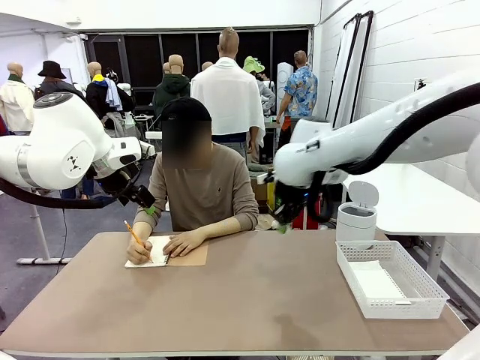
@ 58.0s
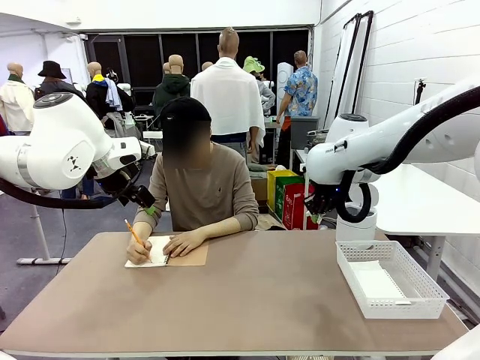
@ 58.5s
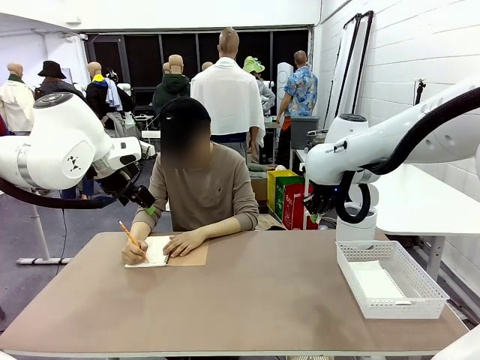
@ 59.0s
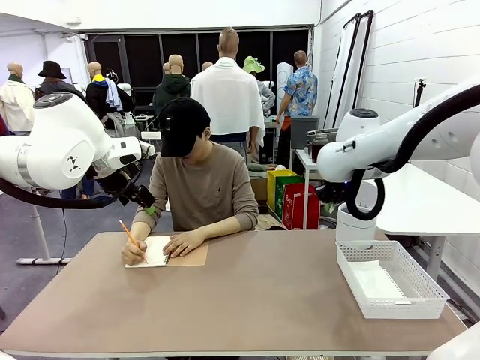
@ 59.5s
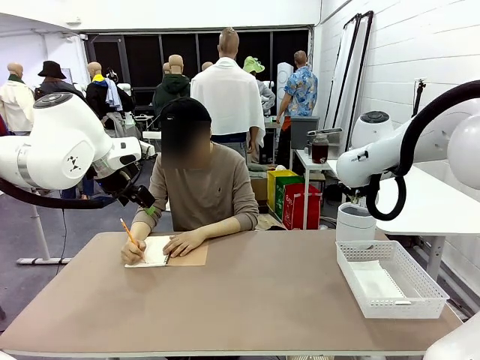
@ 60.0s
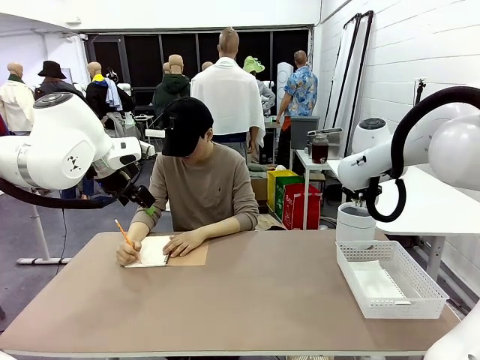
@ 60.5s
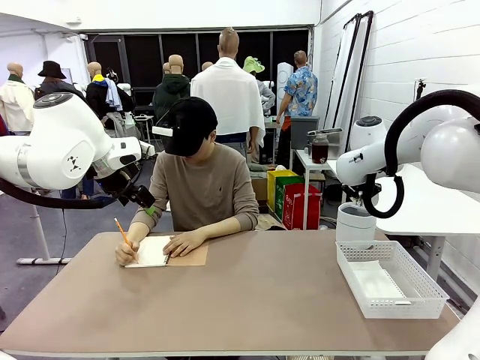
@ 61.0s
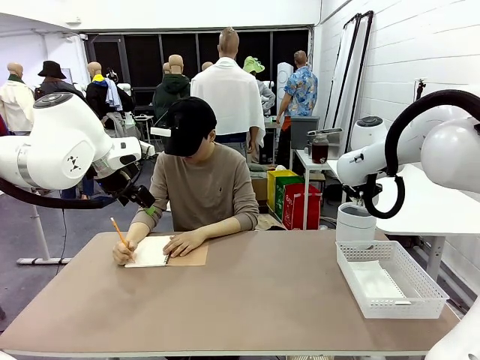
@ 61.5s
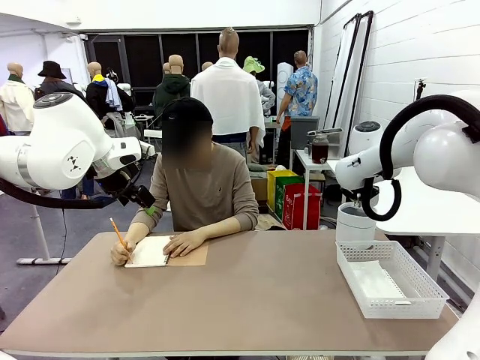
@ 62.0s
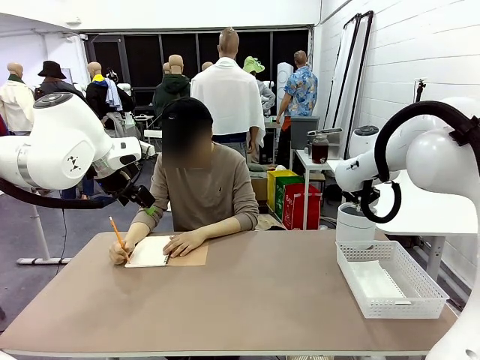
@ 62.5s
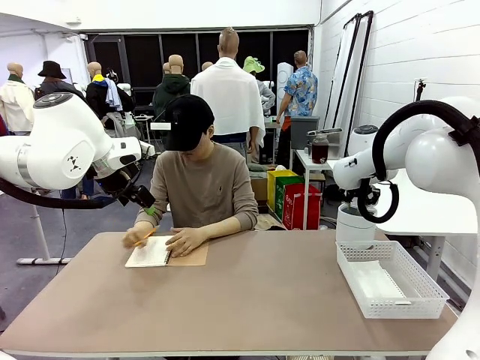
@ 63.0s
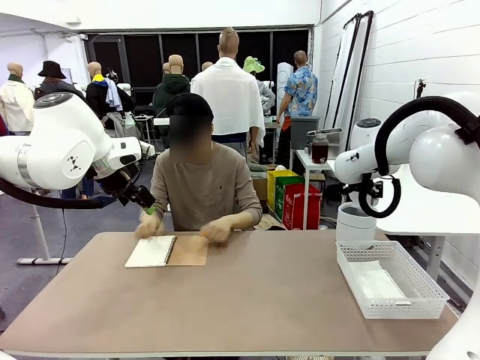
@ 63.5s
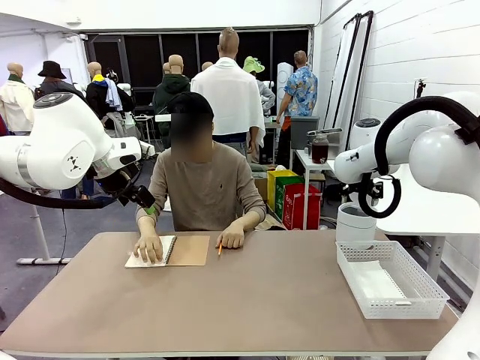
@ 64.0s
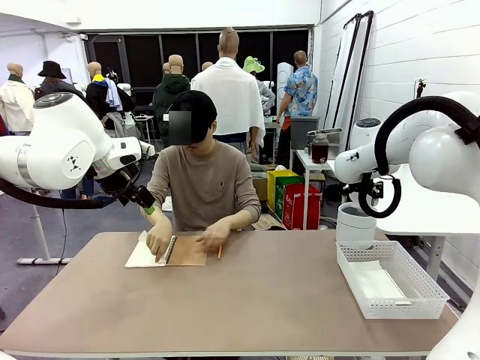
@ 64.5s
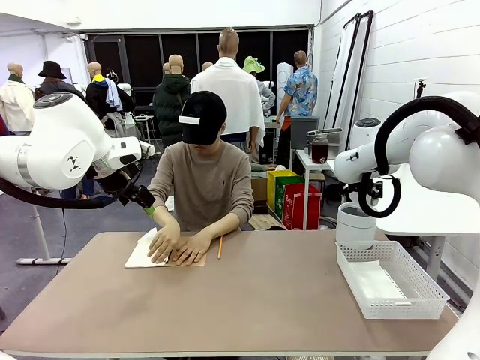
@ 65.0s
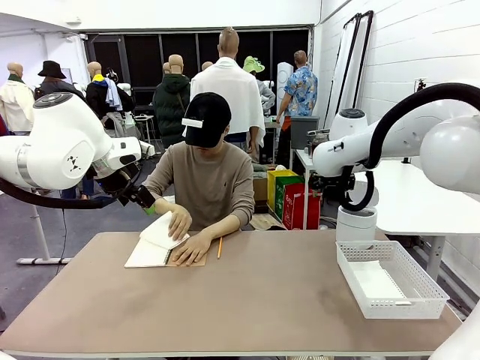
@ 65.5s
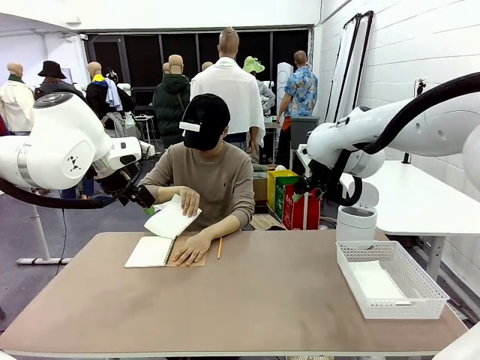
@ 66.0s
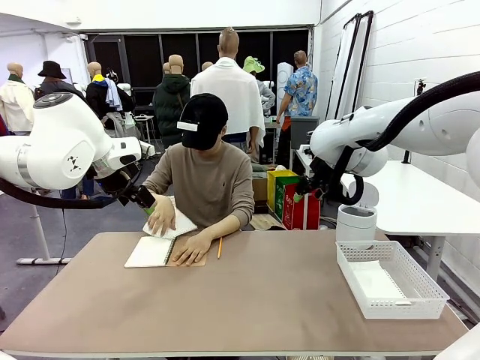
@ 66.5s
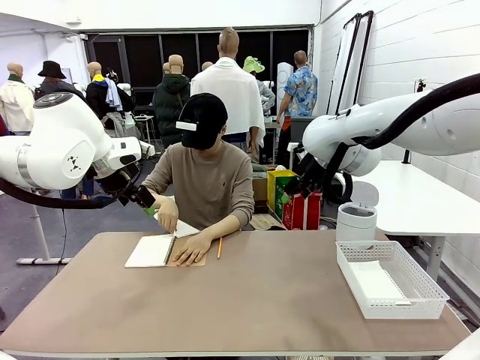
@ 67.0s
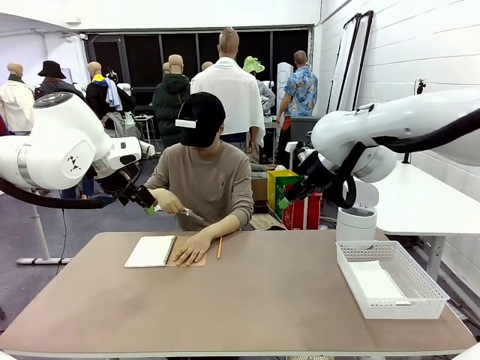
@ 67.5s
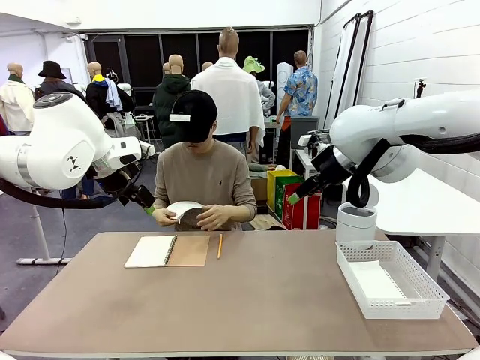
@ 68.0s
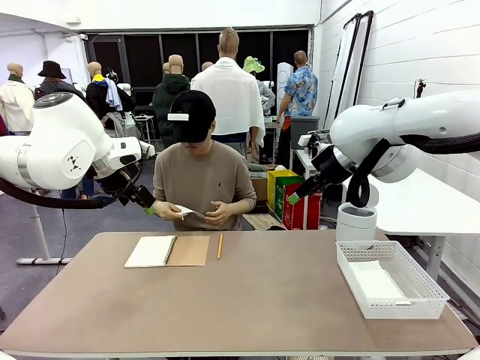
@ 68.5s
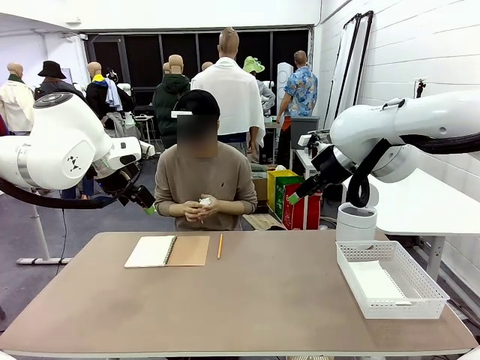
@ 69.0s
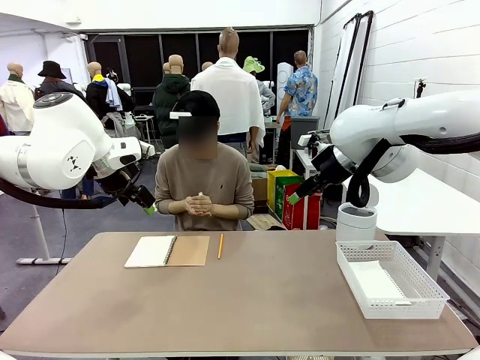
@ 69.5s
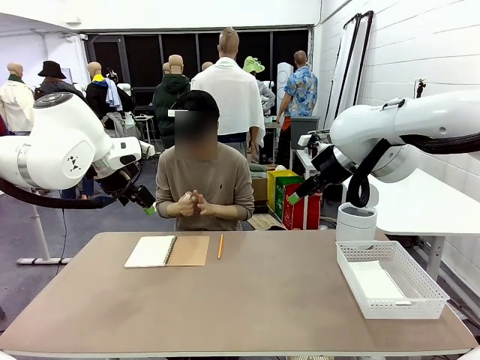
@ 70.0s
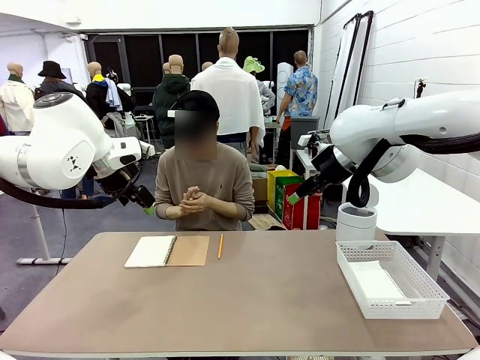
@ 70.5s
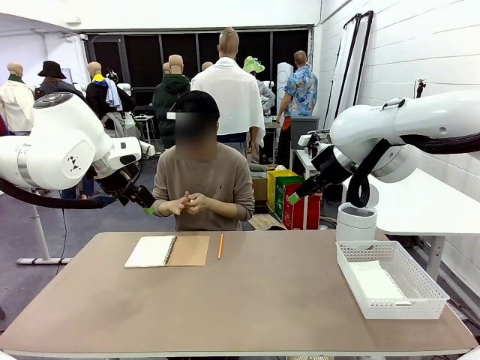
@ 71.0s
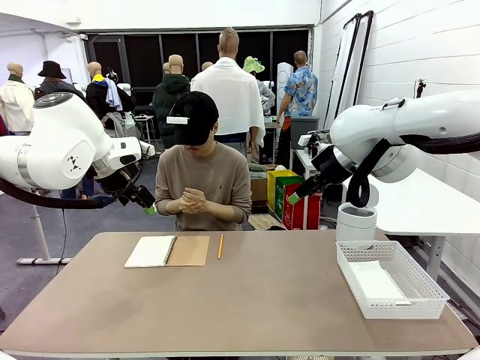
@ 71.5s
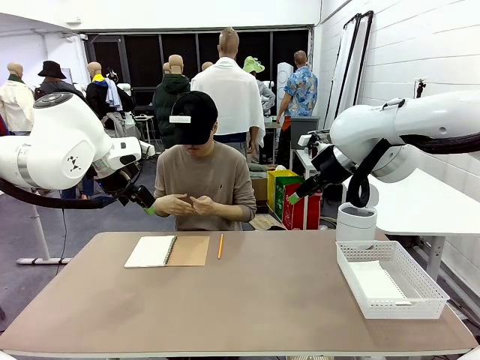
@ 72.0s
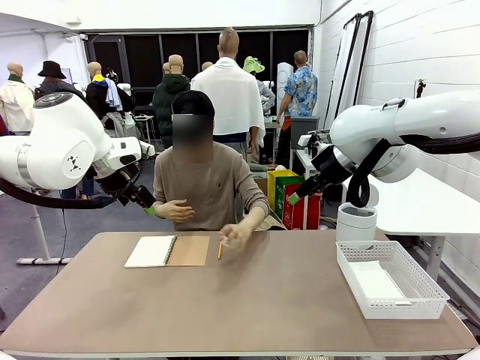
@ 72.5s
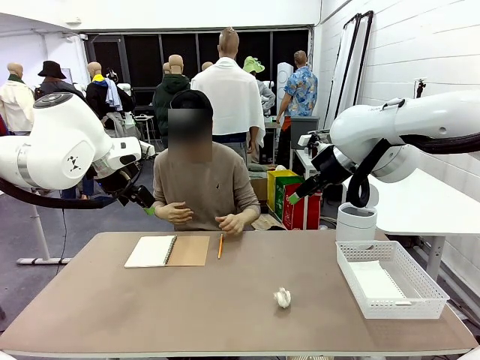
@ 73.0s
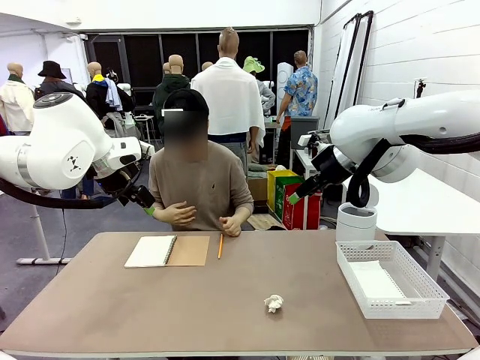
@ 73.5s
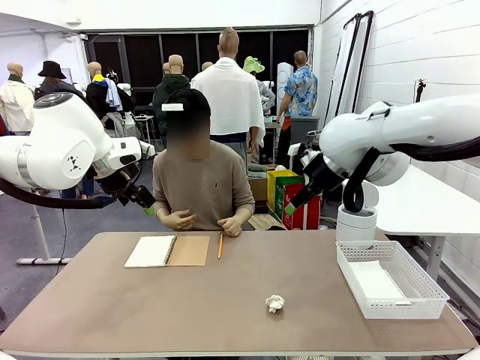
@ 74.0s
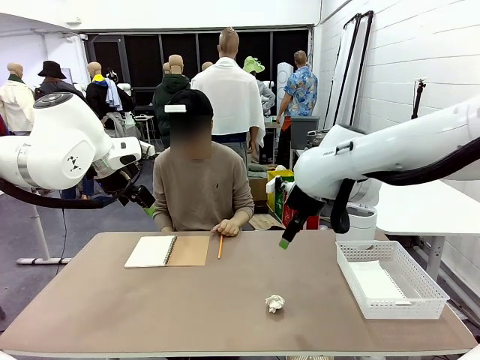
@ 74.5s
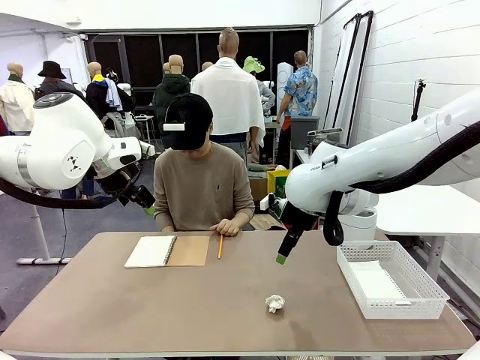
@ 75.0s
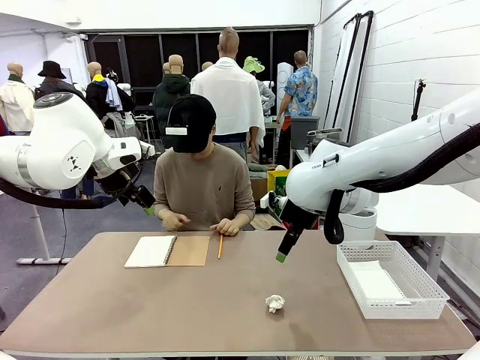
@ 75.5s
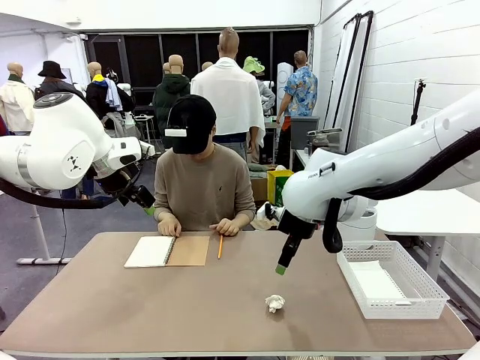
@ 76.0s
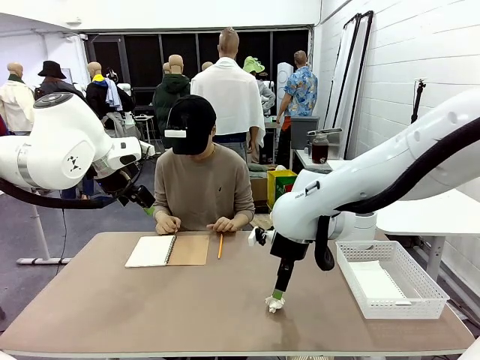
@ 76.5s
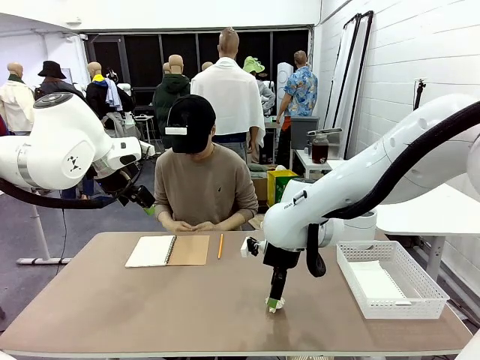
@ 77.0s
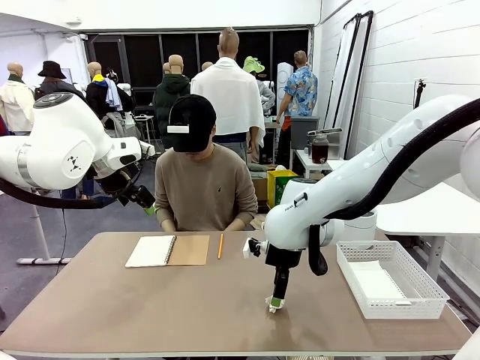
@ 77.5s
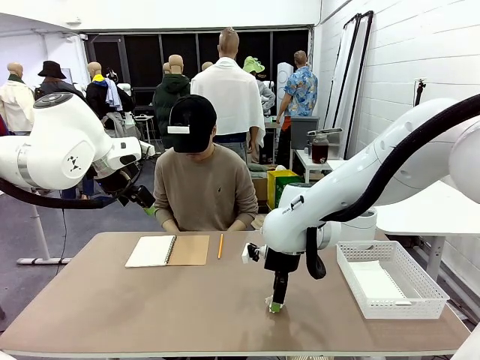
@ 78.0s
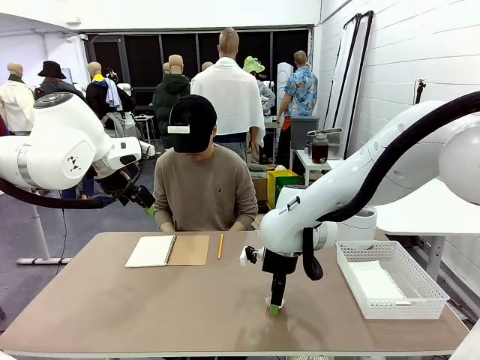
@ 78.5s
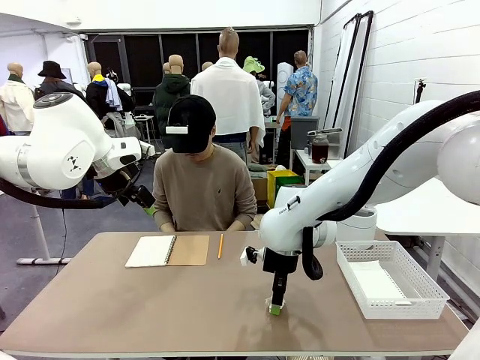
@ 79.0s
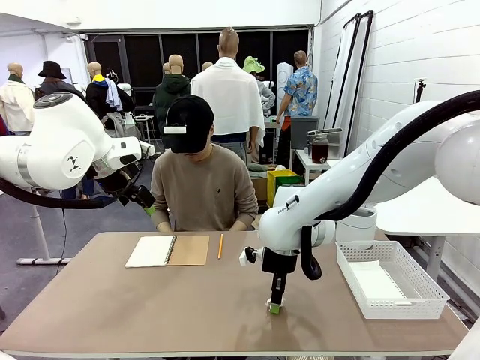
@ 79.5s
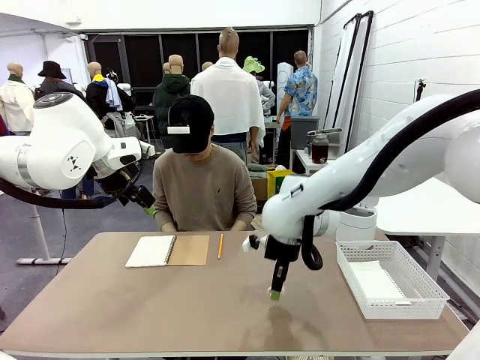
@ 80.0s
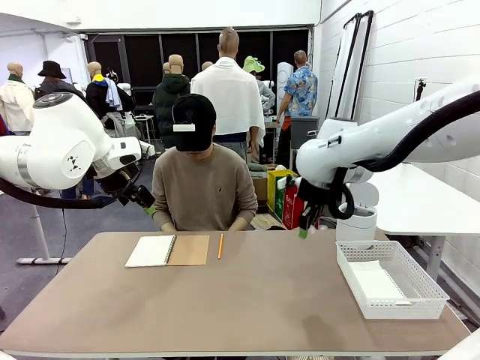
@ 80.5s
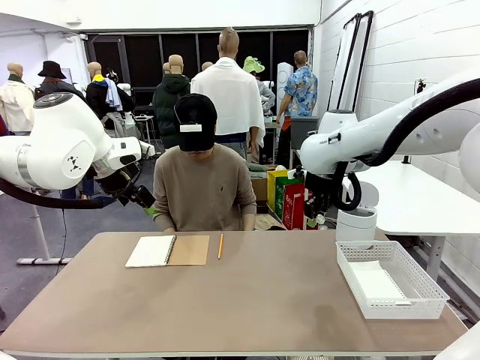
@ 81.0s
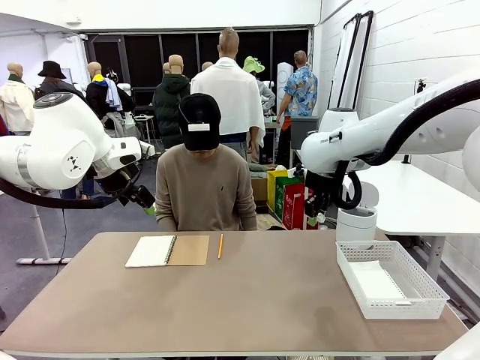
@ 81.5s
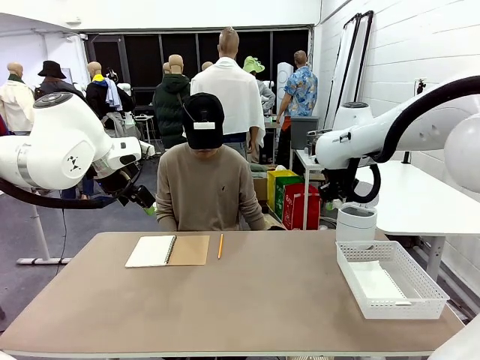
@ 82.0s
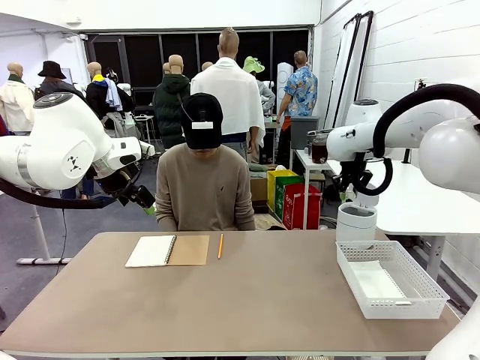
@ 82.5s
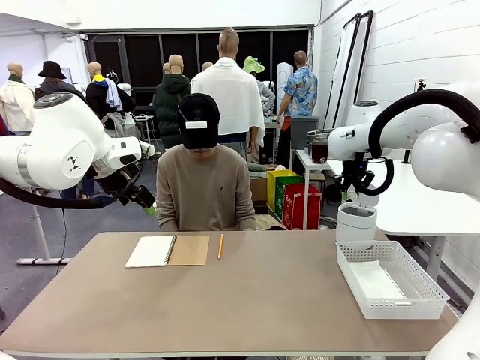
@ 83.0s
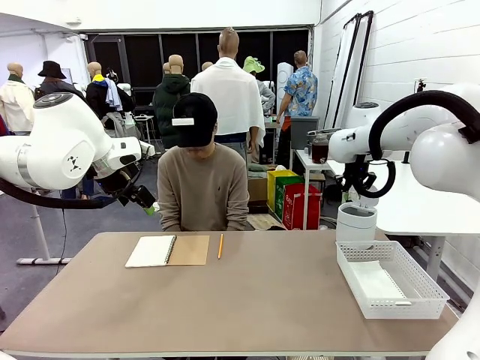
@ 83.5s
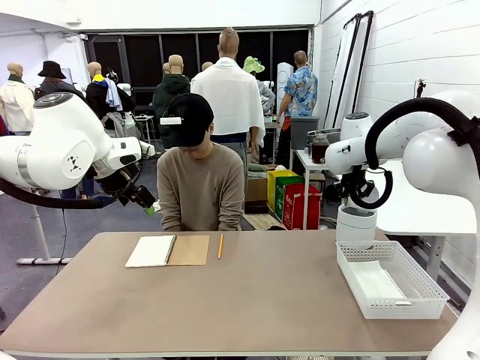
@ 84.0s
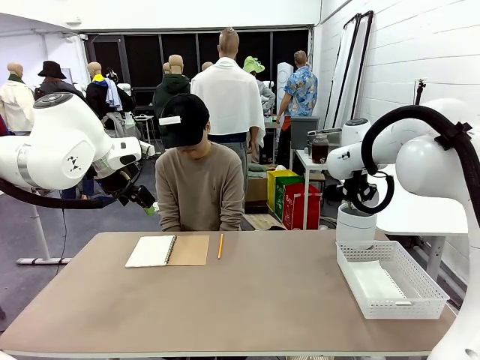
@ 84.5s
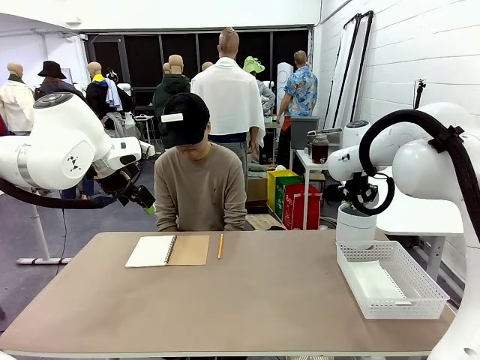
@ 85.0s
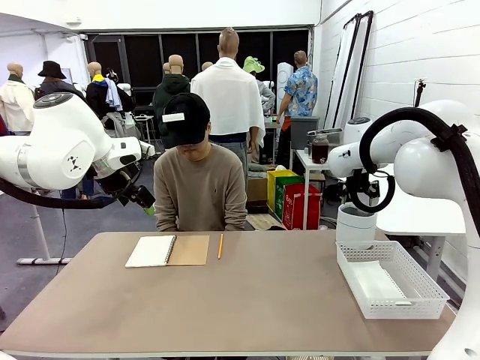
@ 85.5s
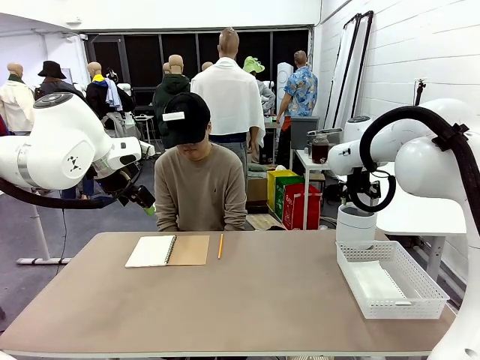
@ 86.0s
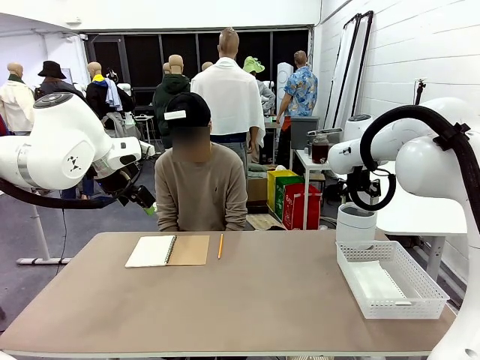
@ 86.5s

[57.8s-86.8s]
Task: Sort the paper based on its condition.
Robot: If a person hands you a paper, place it in the Organizing basket , and if it's crumpled, put it in the Trash can.
Person: Tear out a page from the spiral notebook. Hand the torn page to the robot or crumple it and throw it to the center of the table.
